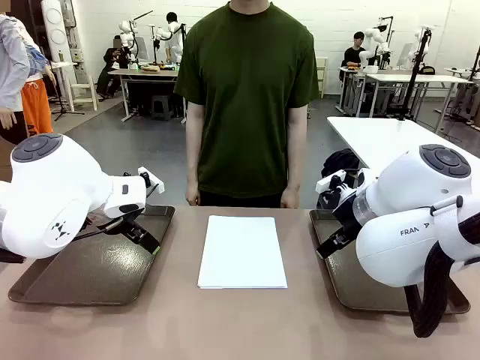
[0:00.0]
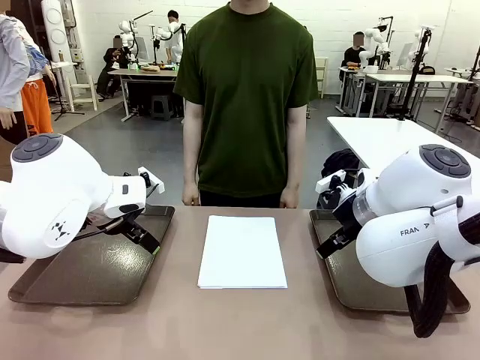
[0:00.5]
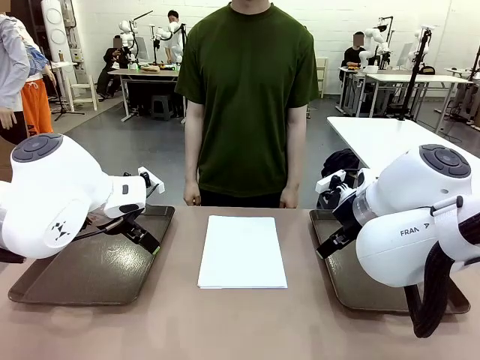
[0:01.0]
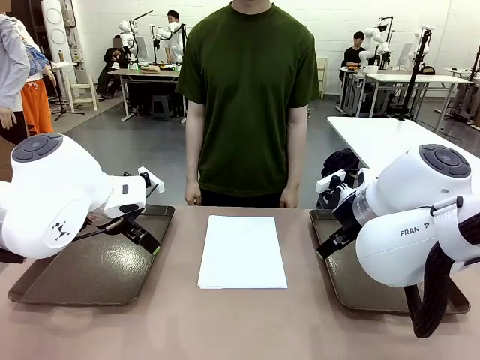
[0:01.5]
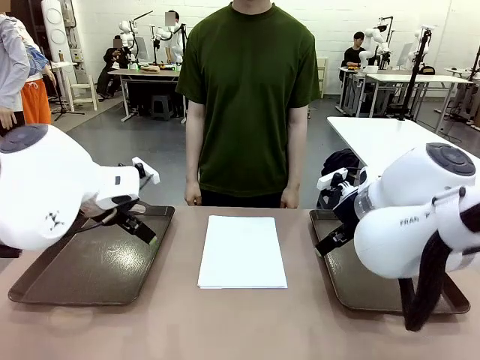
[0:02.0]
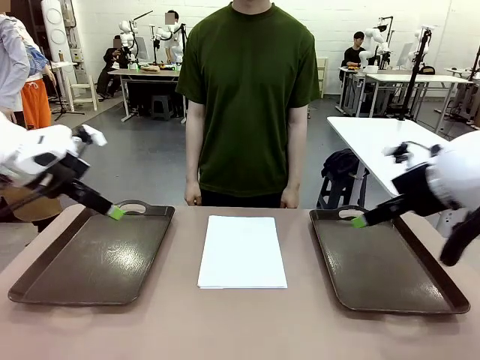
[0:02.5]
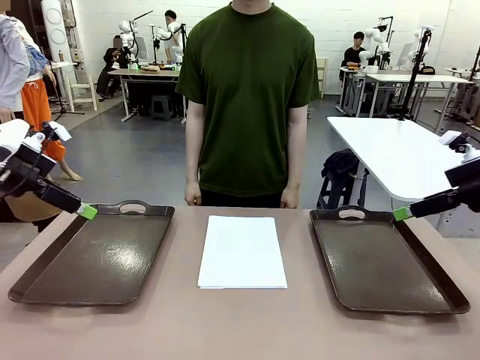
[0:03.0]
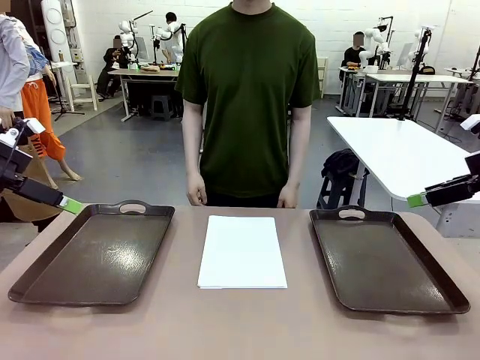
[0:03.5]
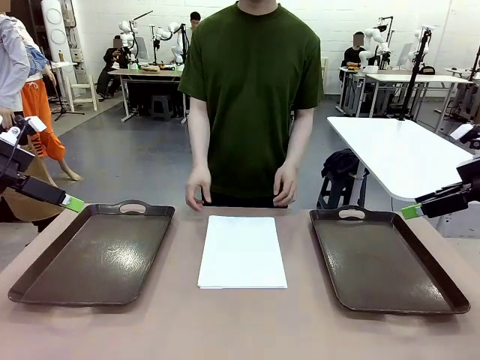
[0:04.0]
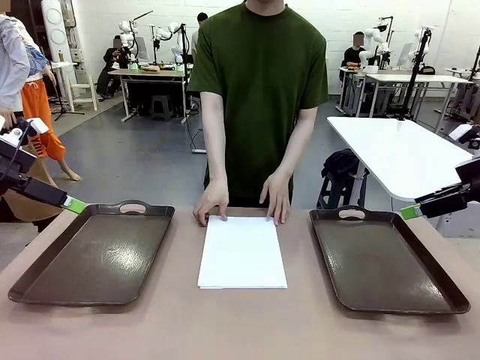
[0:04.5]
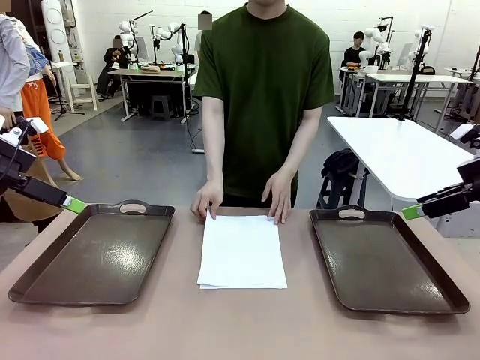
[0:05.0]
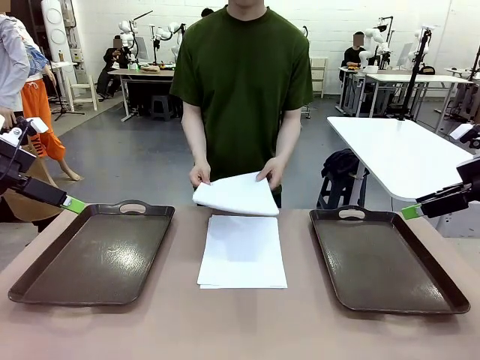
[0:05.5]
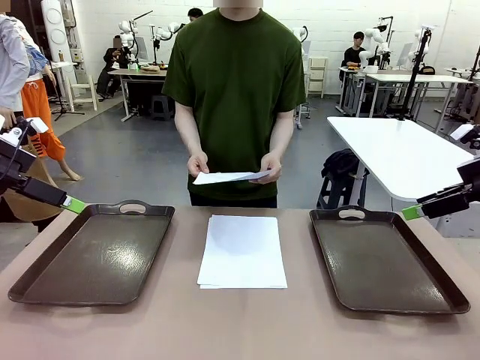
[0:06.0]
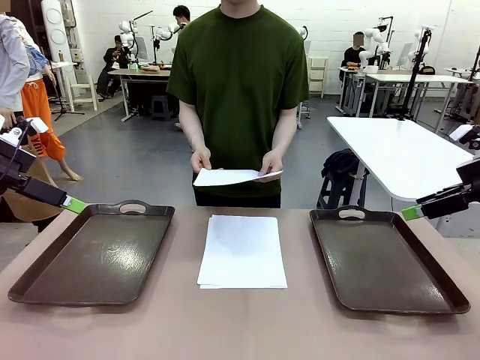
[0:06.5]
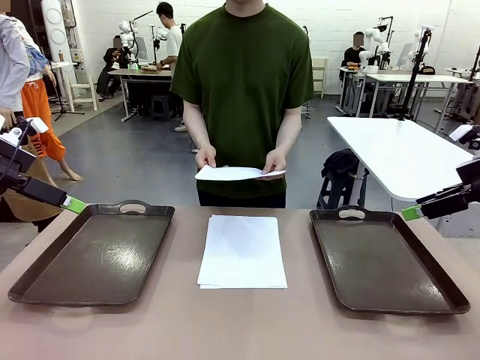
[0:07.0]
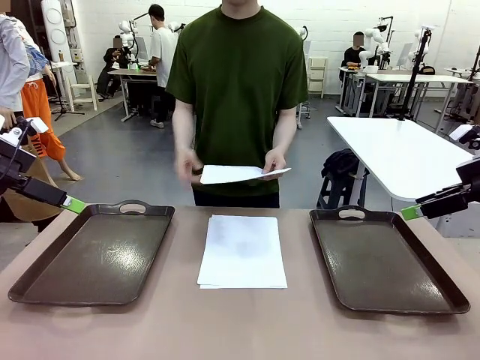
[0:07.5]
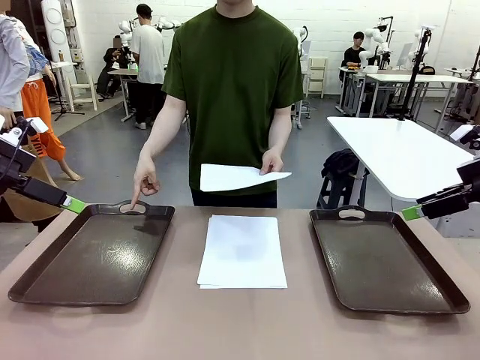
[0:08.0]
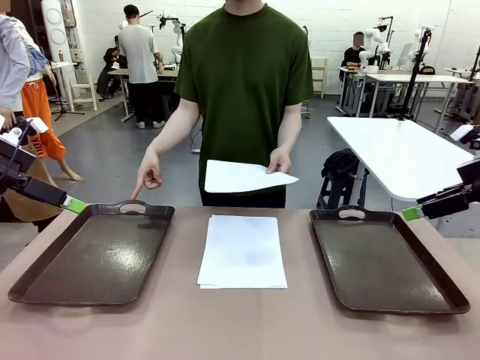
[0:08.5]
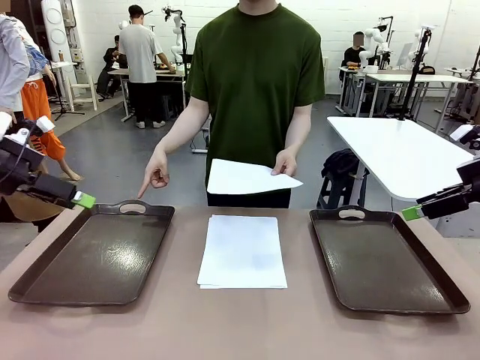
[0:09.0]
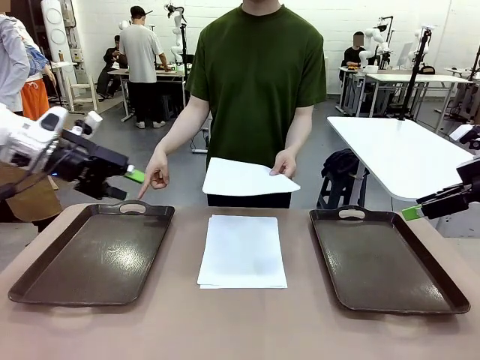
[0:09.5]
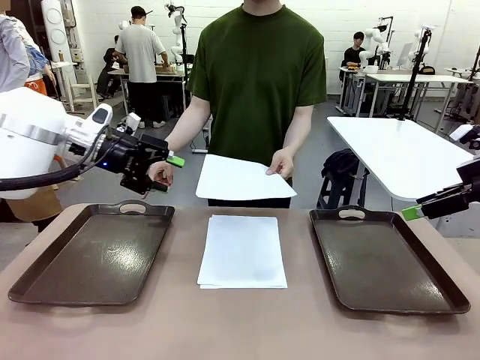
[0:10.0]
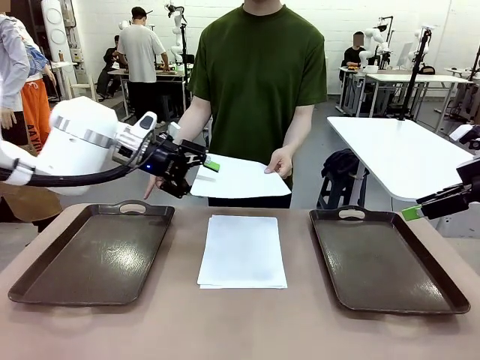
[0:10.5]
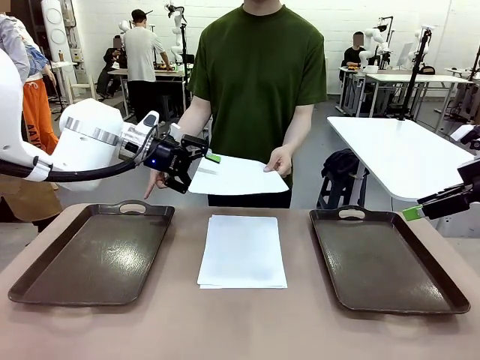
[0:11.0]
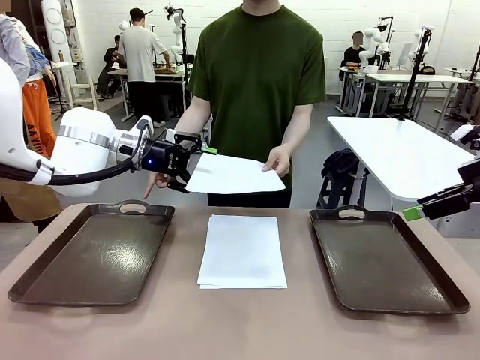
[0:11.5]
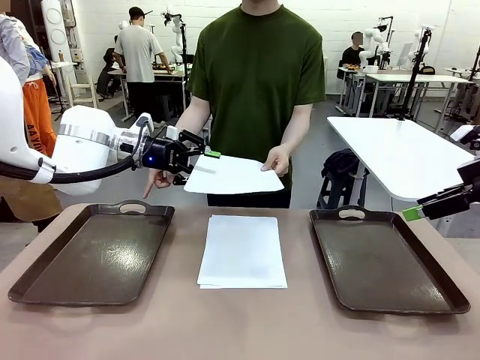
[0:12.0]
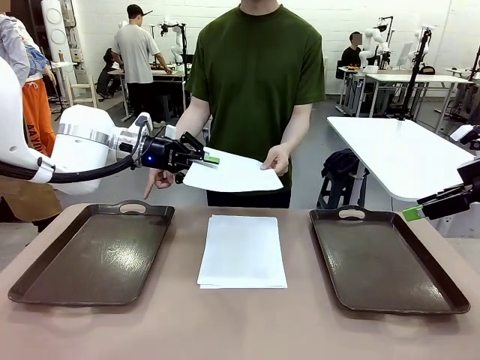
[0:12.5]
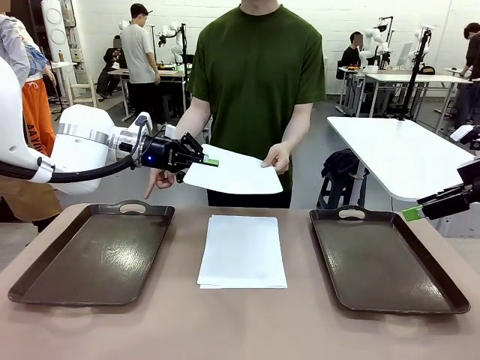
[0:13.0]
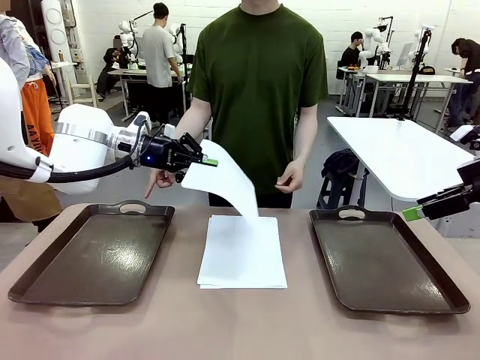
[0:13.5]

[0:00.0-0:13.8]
Task: Sort the A4 documents.
Robot: Receive the A4 Paper.
Person: Pick up a sheet of paper from the center of the table and hand it to the robot. Point the randomly selected tray with the other hand.

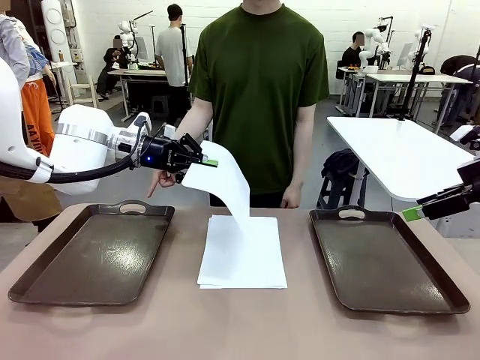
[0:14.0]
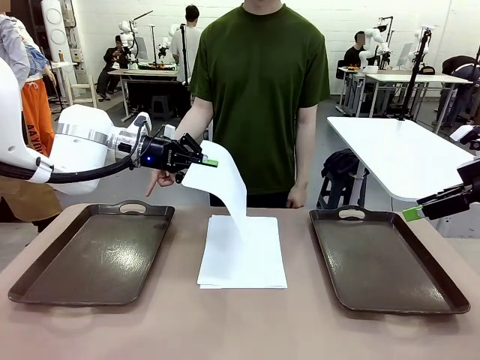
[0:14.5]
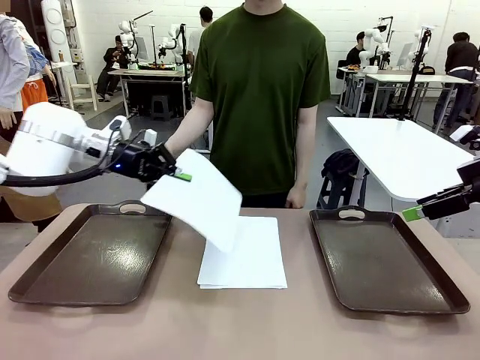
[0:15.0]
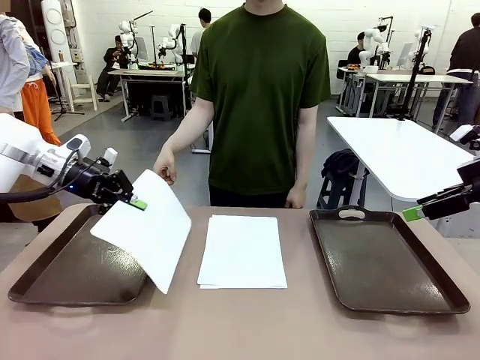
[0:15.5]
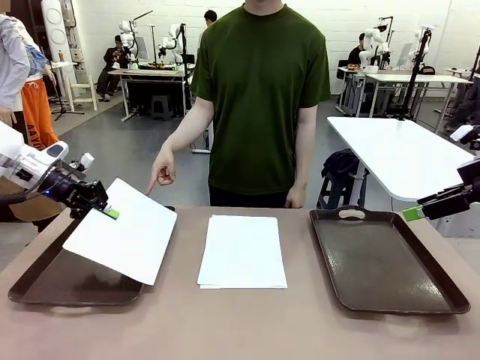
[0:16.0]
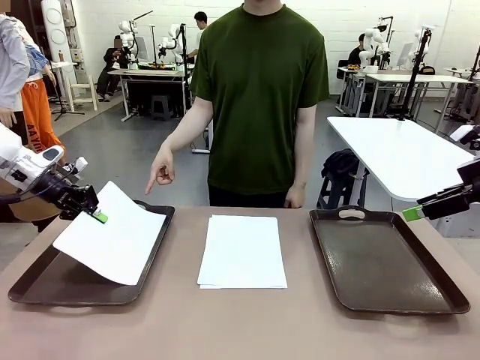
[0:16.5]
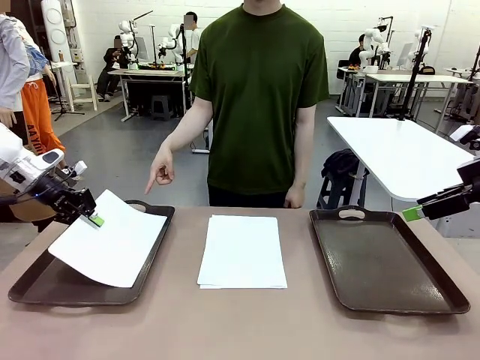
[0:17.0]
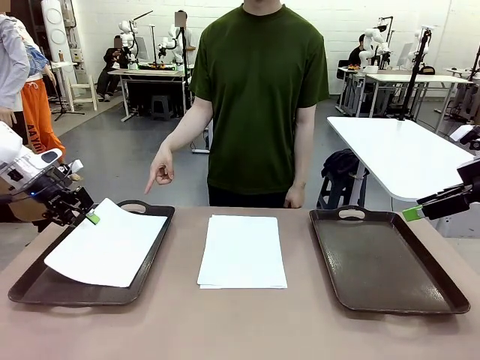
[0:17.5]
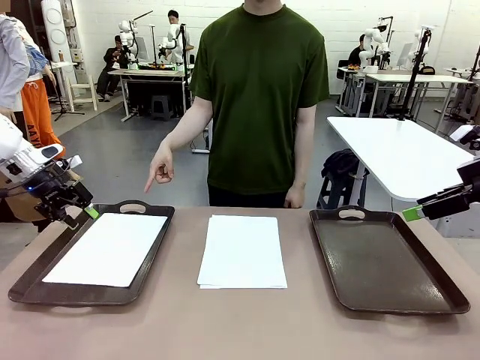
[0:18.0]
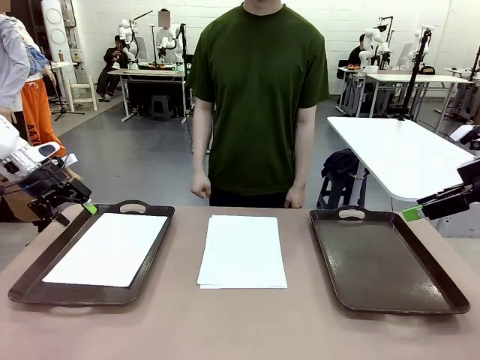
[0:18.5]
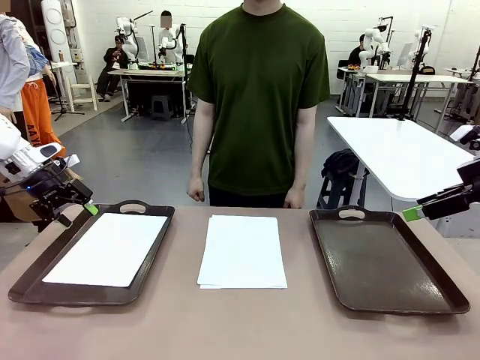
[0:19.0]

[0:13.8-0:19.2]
Robot: Place the A4 Paper in the designated Handle tray.
